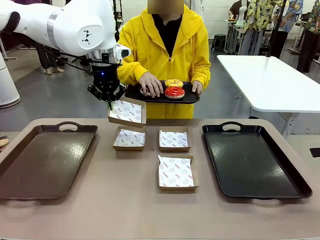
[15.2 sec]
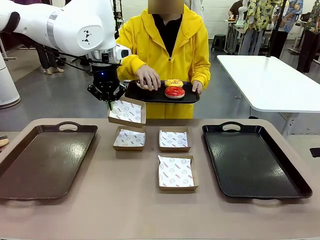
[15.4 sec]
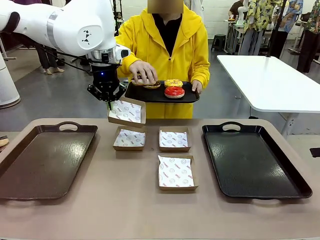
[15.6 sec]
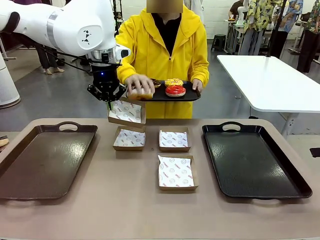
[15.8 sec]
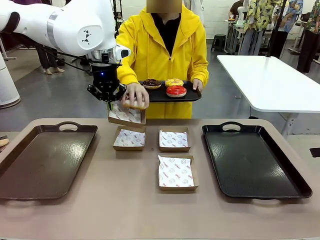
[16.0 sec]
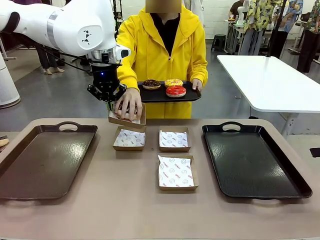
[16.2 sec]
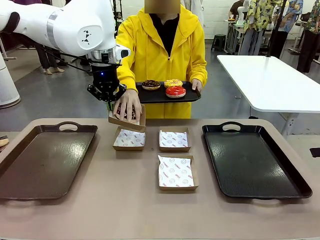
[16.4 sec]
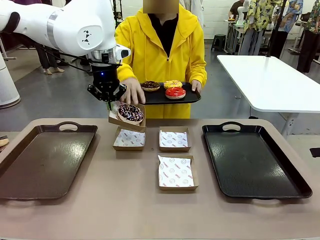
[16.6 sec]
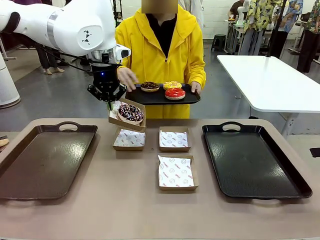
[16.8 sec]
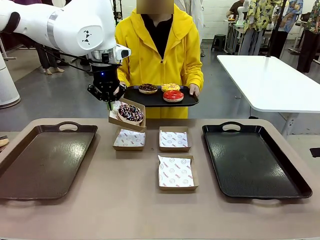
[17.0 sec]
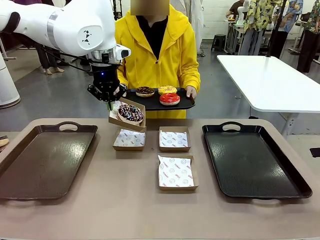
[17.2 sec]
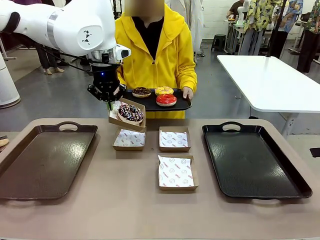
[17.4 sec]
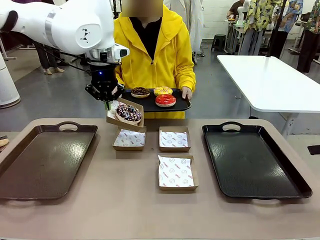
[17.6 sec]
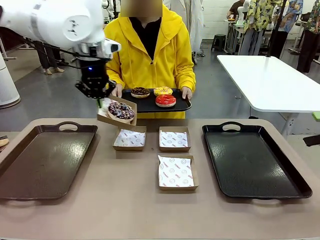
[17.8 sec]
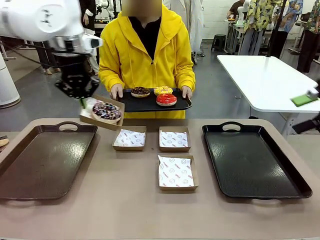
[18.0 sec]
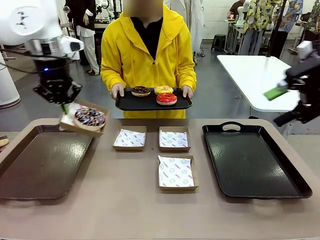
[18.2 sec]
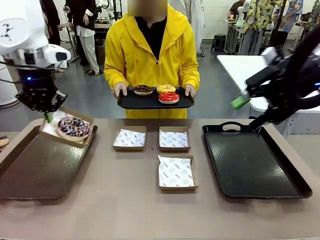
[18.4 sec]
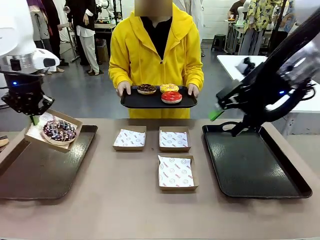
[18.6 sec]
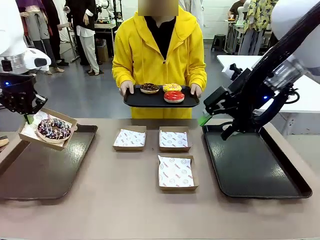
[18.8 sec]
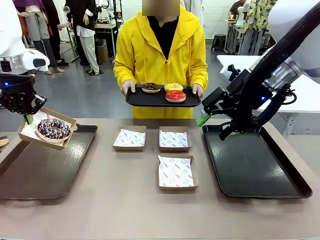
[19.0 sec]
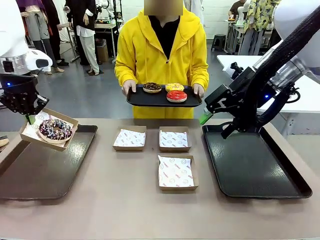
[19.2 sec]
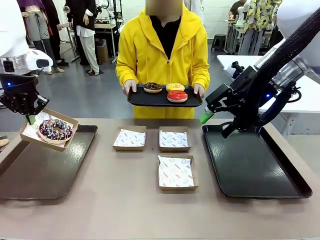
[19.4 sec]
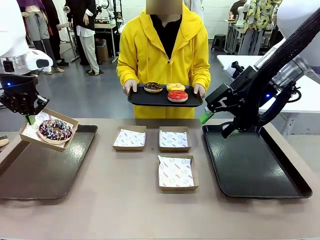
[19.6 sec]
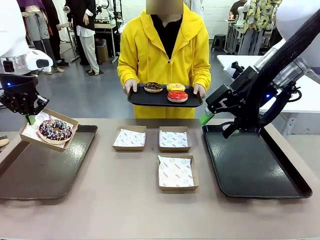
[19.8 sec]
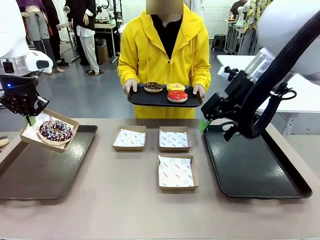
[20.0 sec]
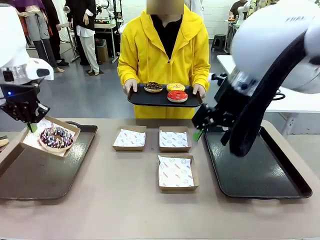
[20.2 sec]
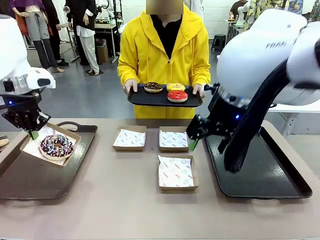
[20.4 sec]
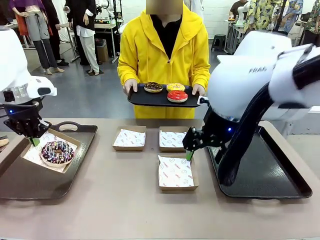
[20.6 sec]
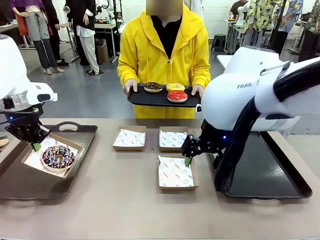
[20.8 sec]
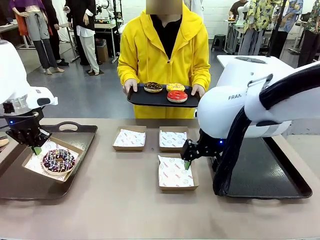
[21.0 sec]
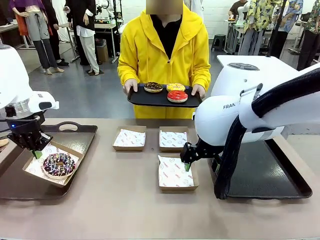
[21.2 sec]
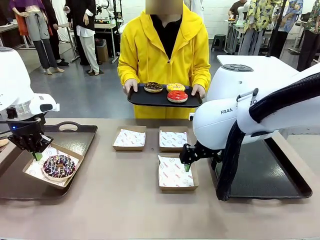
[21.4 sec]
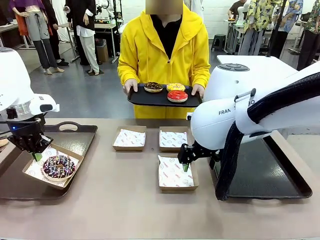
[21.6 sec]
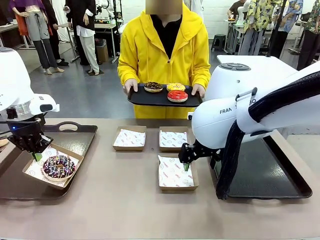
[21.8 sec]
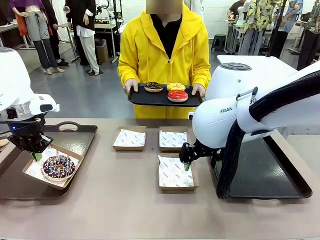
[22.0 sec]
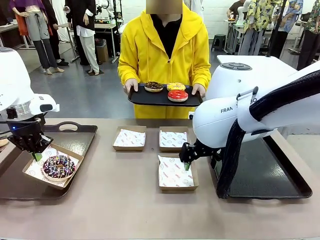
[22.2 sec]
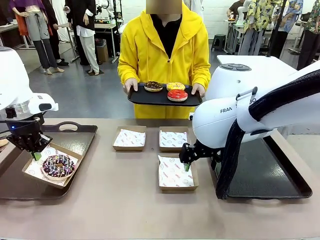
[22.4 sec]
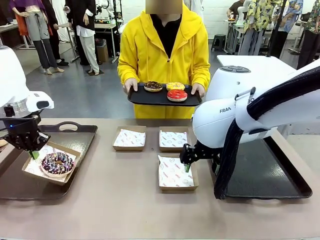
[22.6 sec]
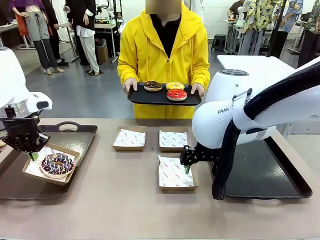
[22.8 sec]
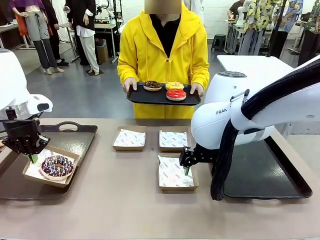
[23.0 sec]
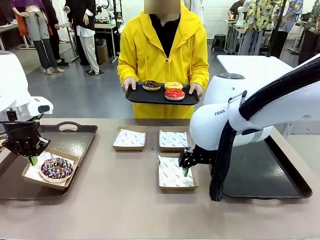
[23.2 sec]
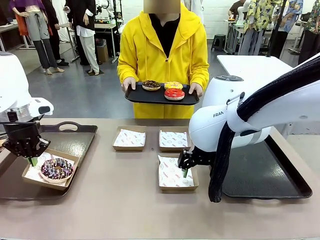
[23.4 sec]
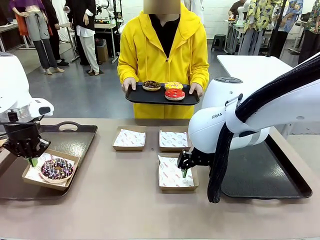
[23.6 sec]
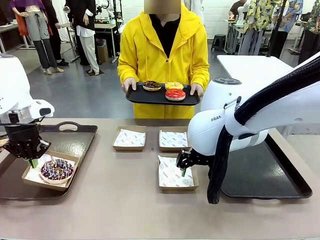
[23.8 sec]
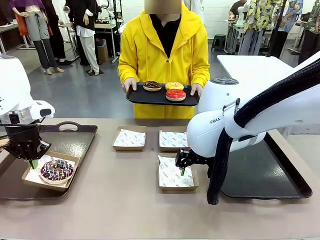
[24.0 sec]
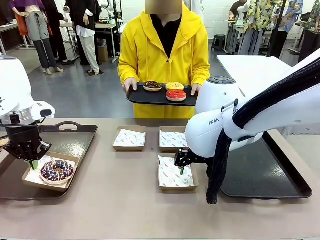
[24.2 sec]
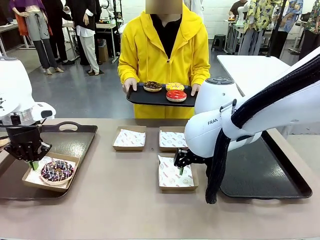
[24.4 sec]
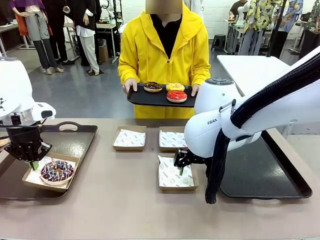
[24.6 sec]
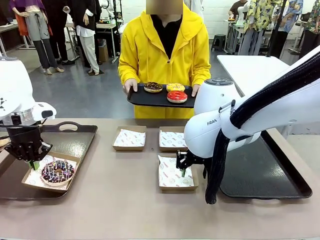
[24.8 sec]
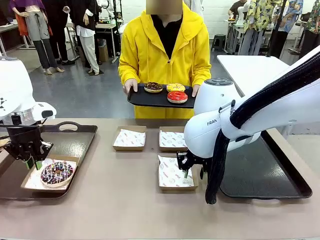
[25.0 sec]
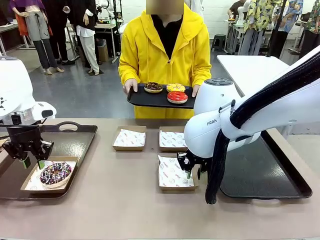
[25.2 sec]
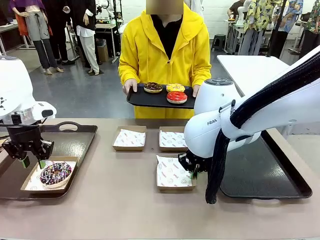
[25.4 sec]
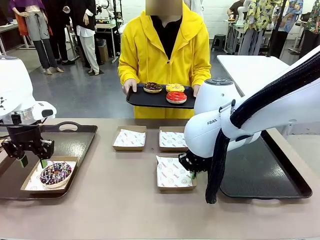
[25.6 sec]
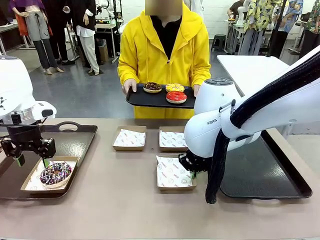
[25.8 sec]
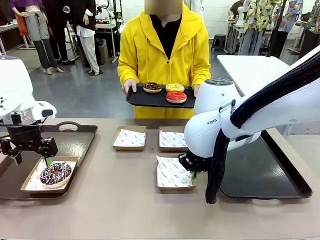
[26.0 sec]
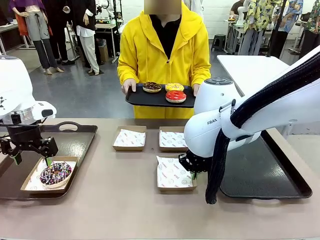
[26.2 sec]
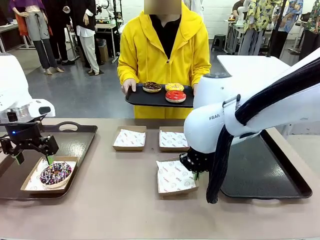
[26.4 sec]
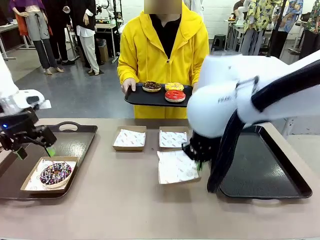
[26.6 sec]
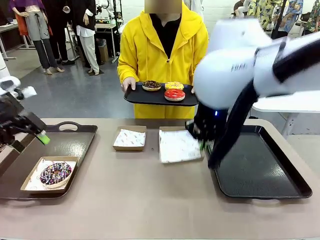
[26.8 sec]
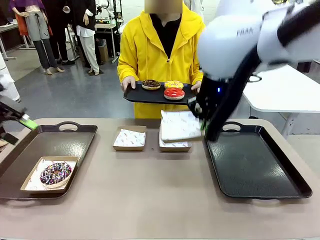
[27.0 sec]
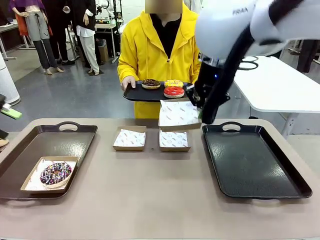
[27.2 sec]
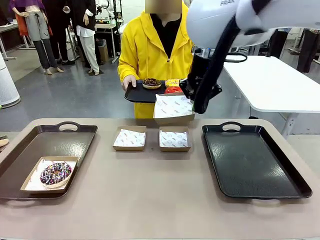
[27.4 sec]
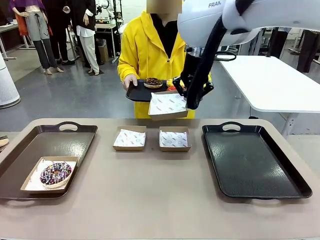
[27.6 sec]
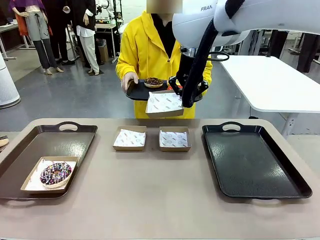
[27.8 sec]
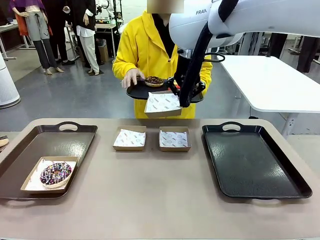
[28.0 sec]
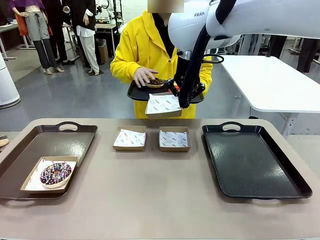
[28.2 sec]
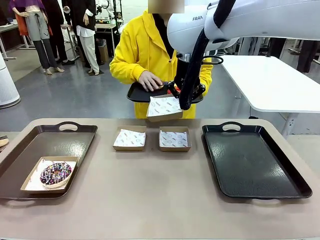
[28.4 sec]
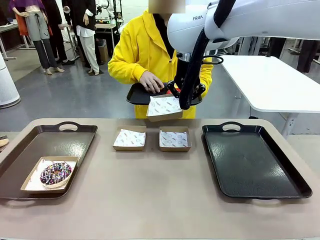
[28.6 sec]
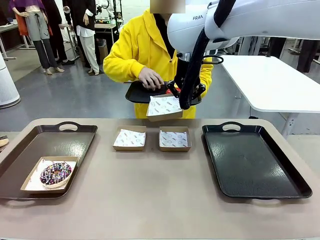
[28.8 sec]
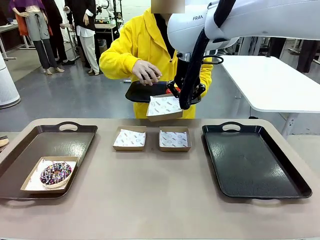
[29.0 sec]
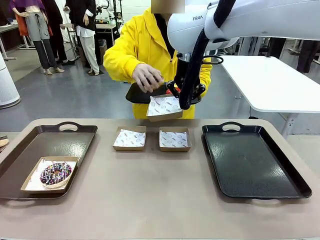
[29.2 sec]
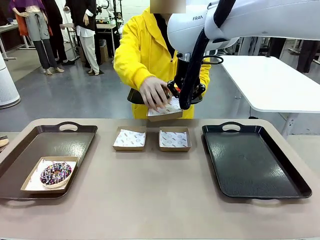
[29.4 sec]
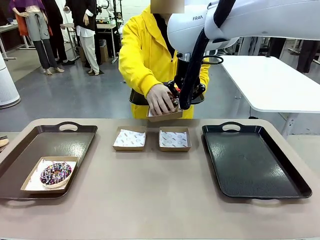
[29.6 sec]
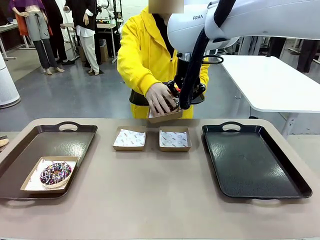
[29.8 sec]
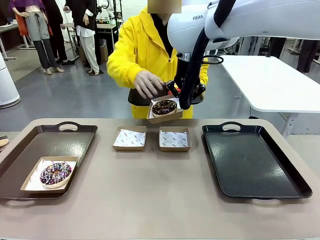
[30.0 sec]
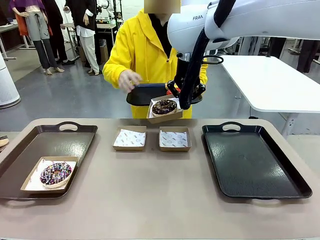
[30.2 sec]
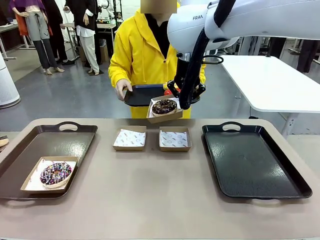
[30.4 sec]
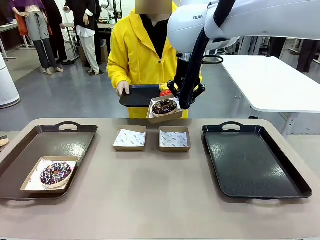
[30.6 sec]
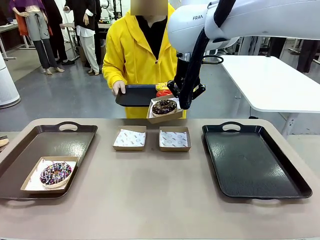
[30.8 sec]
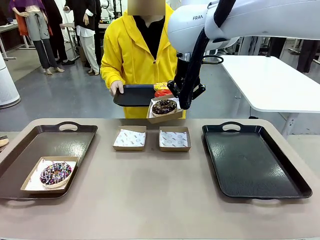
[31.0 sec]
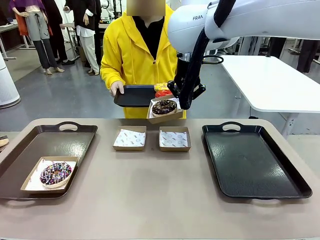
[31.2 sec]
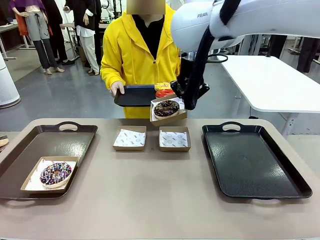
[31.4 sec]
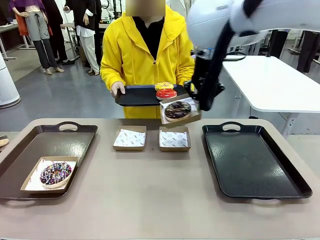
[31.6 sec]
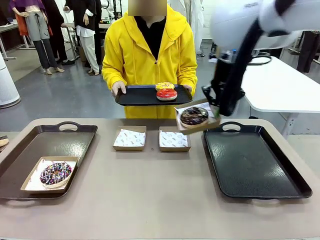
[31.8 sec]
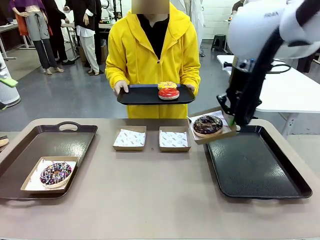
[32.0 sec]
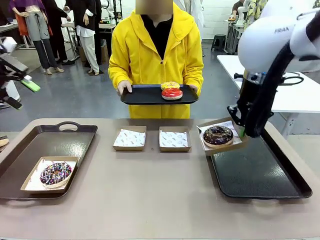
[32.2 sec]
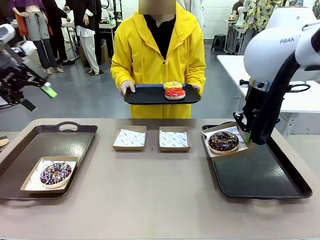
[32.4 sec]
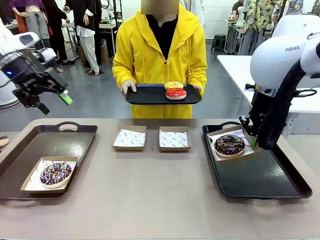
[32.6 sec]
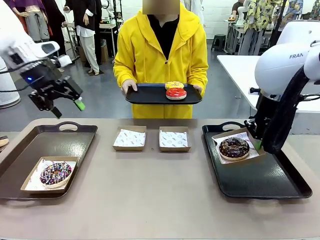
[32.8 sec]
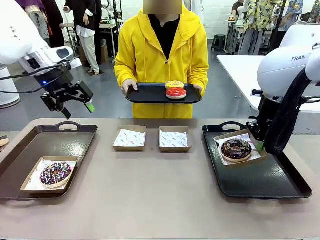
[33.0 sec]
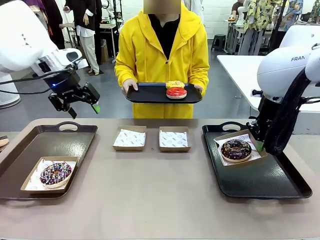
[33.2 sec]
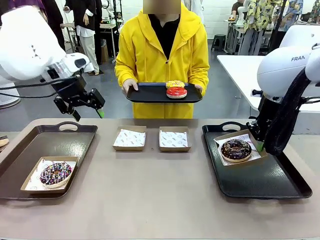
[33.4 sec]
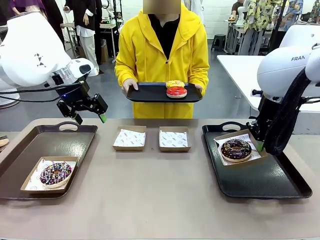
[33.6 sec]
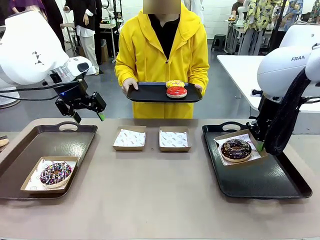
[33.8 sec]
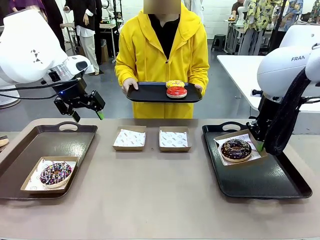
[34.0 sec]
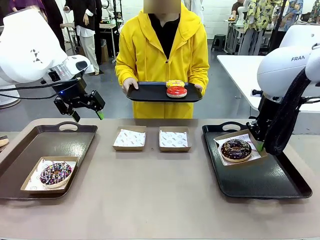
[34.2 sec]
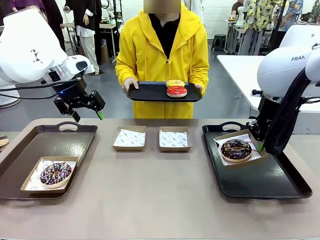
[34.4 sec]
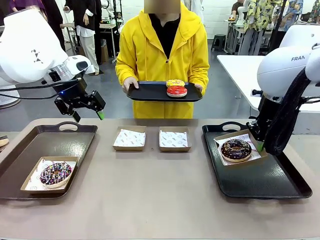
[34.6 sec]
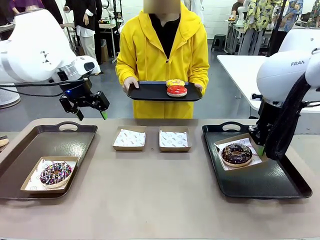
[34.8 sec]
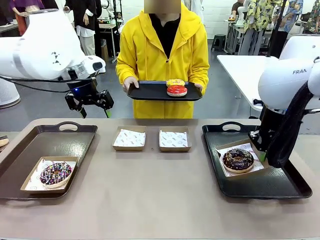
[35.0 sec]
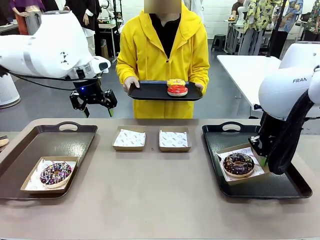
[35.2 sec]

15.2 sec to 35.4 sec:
Task: Individually package the donuts and arrange them on the tray.
Robot: Place the picked Paper togo box on the Handle tray while simultaneously picking up another Paper togo box from the table with the other hand.
